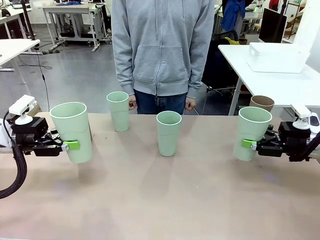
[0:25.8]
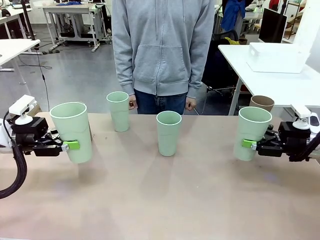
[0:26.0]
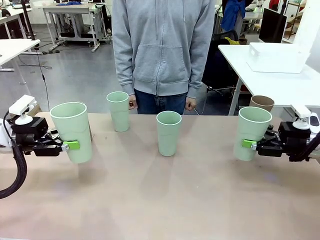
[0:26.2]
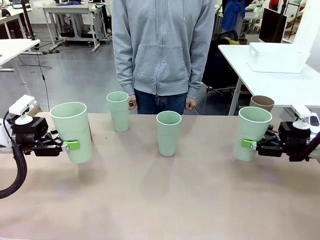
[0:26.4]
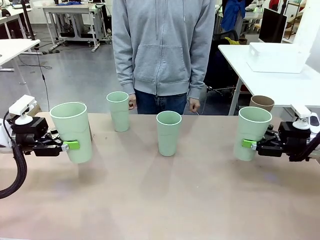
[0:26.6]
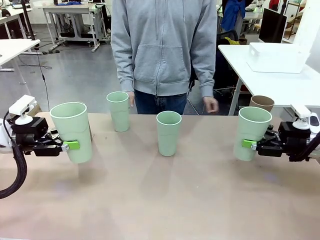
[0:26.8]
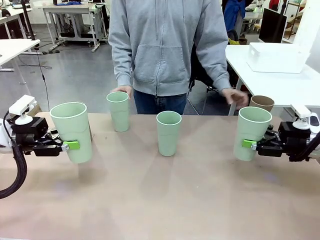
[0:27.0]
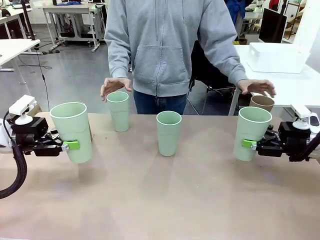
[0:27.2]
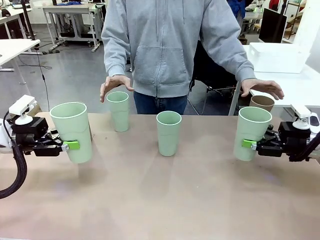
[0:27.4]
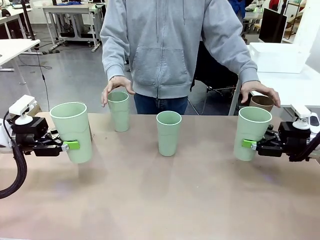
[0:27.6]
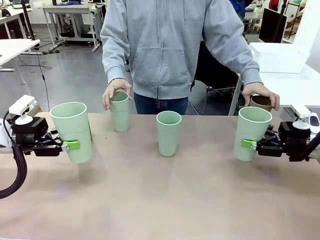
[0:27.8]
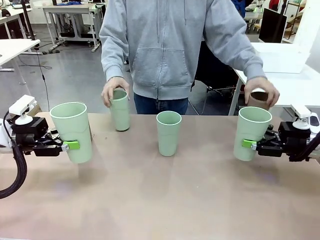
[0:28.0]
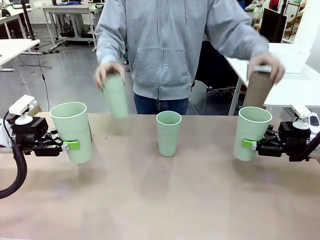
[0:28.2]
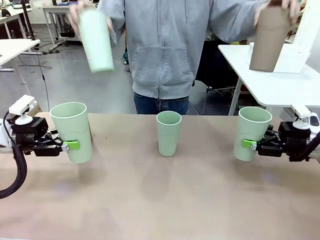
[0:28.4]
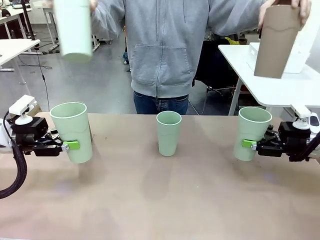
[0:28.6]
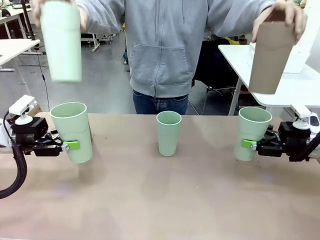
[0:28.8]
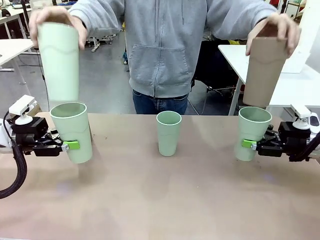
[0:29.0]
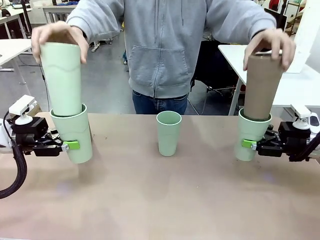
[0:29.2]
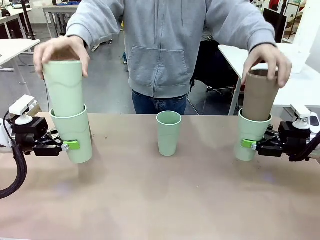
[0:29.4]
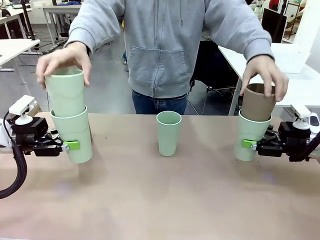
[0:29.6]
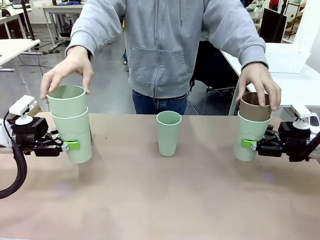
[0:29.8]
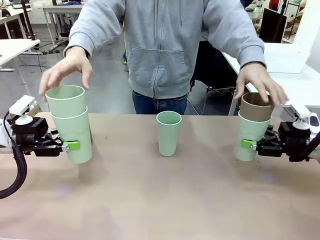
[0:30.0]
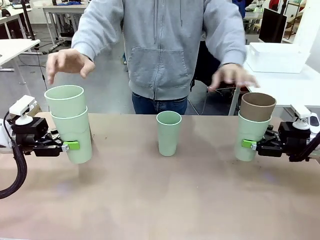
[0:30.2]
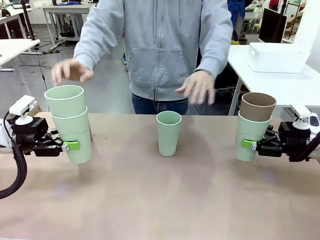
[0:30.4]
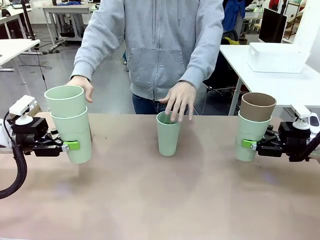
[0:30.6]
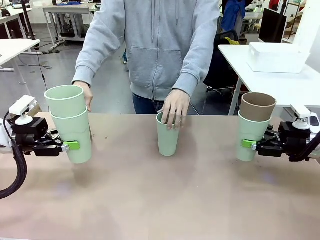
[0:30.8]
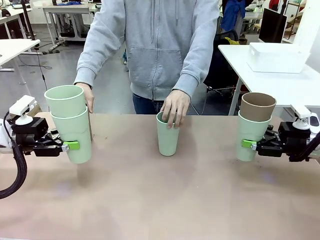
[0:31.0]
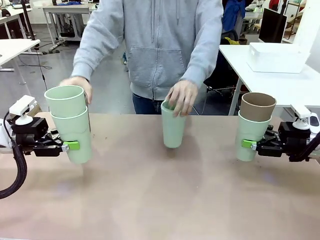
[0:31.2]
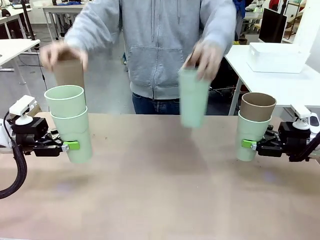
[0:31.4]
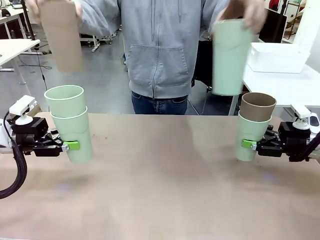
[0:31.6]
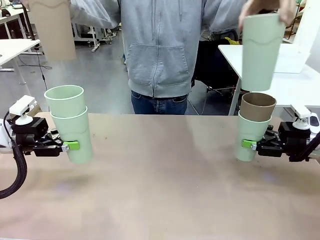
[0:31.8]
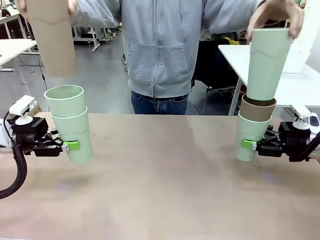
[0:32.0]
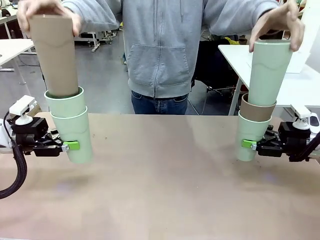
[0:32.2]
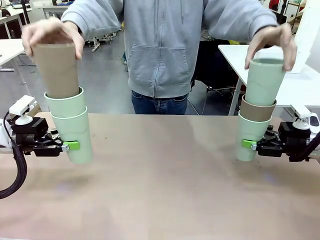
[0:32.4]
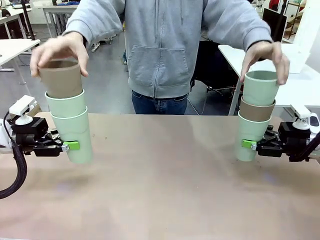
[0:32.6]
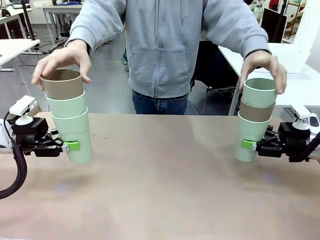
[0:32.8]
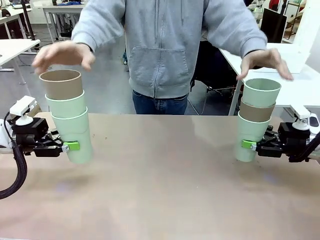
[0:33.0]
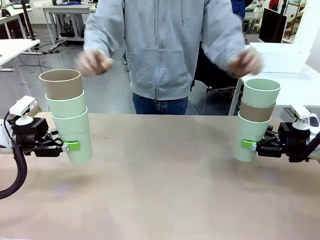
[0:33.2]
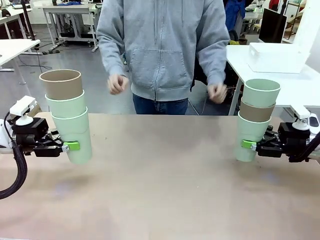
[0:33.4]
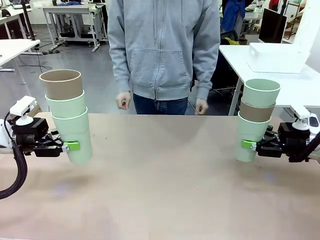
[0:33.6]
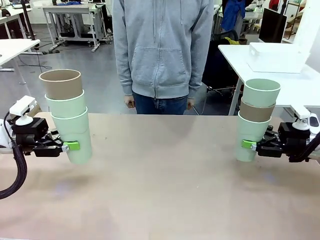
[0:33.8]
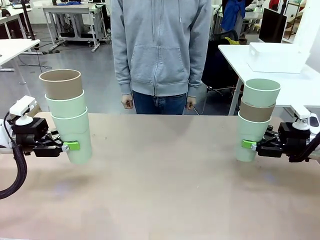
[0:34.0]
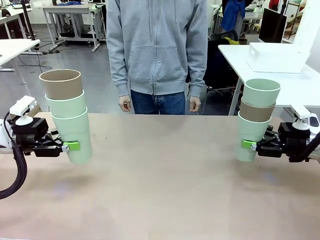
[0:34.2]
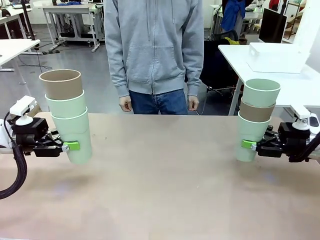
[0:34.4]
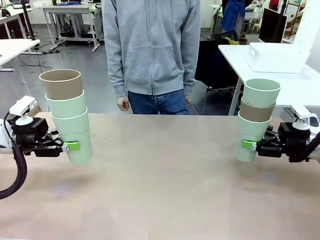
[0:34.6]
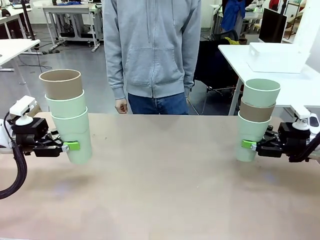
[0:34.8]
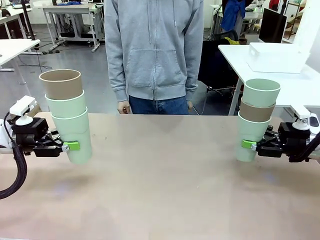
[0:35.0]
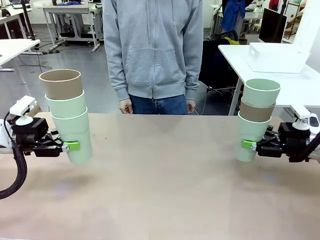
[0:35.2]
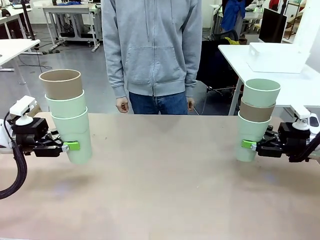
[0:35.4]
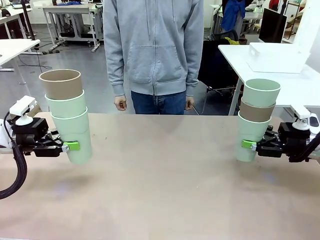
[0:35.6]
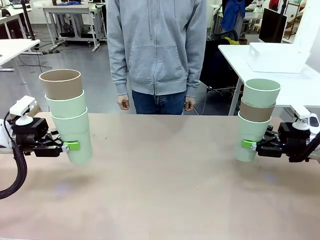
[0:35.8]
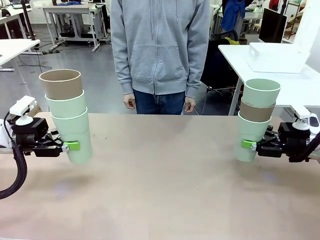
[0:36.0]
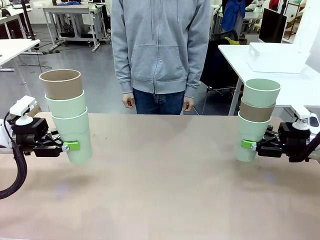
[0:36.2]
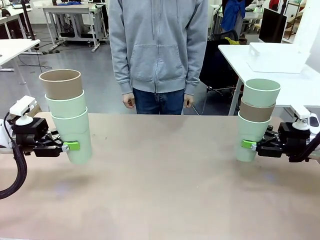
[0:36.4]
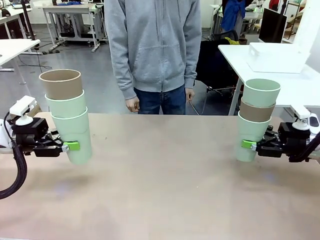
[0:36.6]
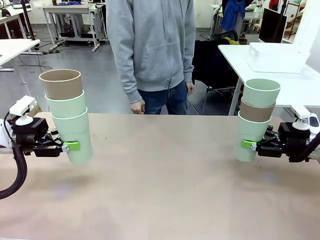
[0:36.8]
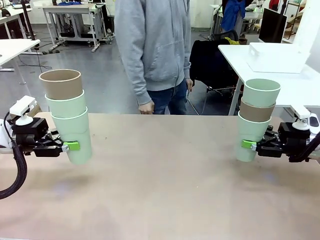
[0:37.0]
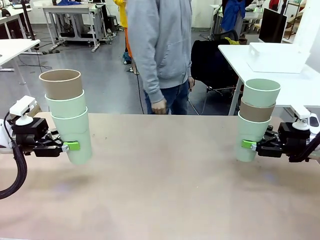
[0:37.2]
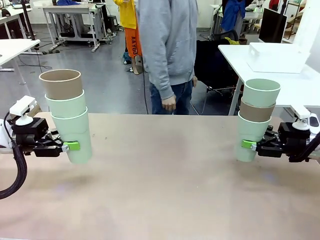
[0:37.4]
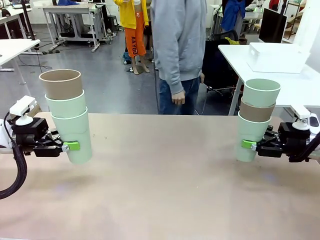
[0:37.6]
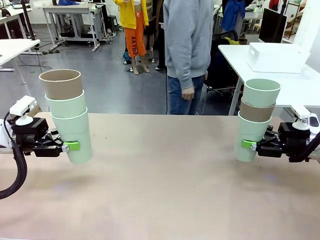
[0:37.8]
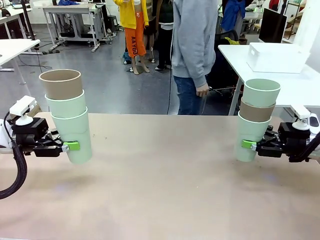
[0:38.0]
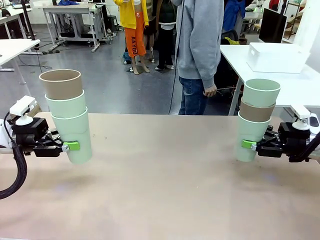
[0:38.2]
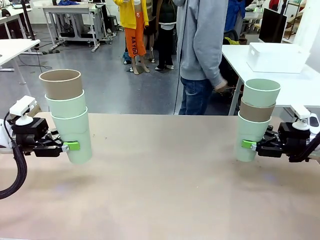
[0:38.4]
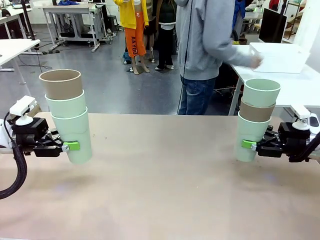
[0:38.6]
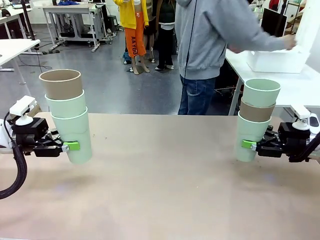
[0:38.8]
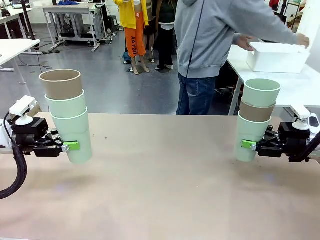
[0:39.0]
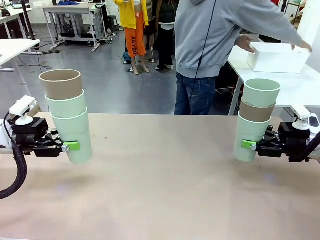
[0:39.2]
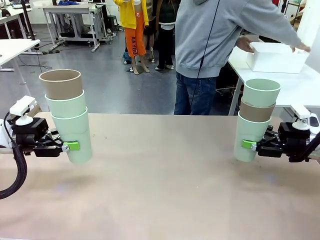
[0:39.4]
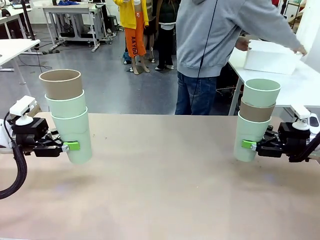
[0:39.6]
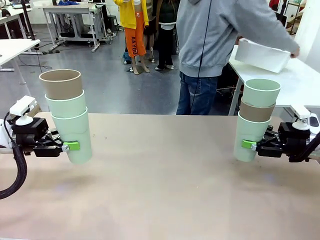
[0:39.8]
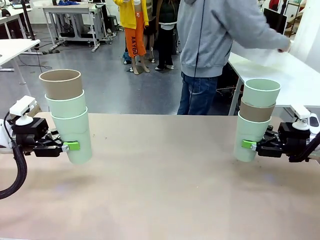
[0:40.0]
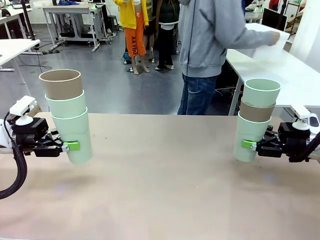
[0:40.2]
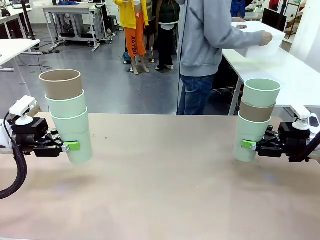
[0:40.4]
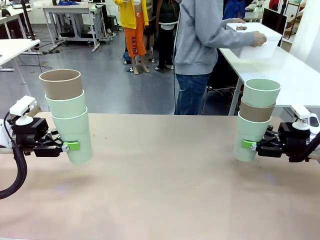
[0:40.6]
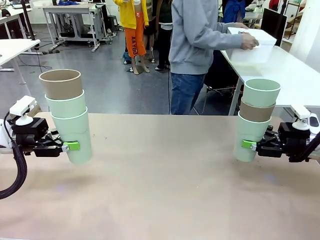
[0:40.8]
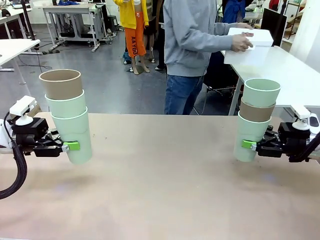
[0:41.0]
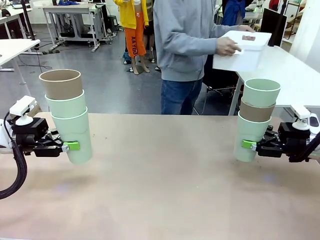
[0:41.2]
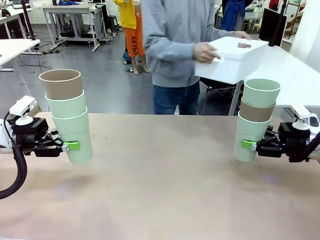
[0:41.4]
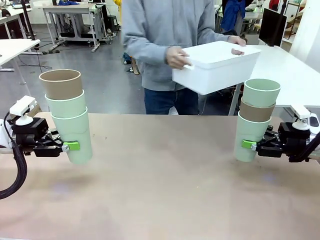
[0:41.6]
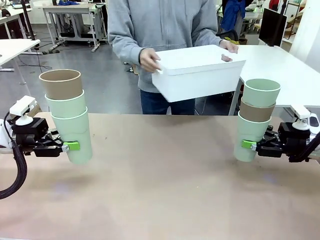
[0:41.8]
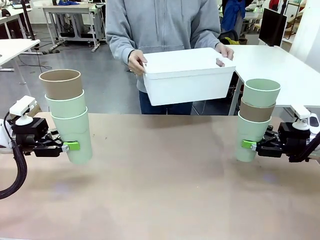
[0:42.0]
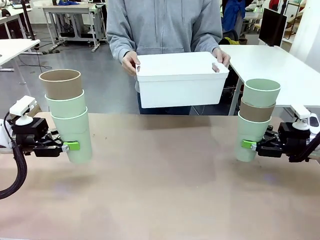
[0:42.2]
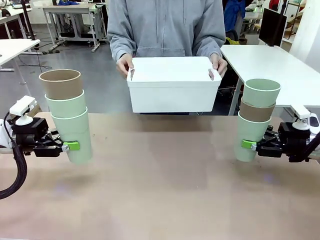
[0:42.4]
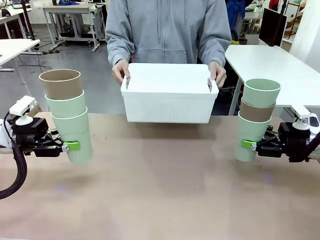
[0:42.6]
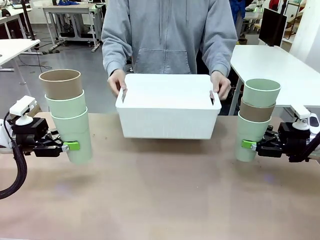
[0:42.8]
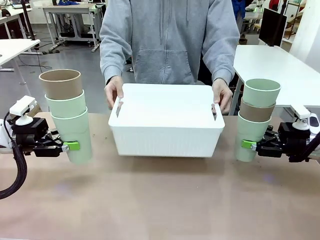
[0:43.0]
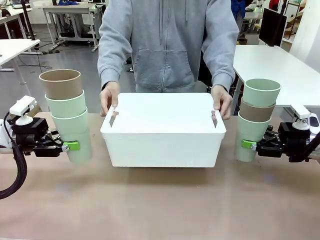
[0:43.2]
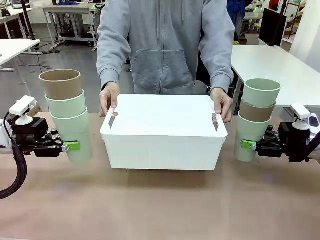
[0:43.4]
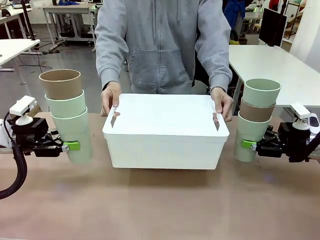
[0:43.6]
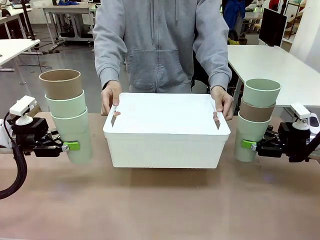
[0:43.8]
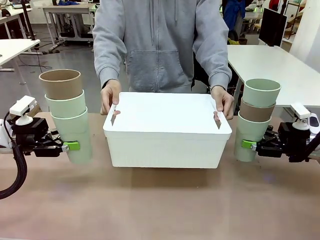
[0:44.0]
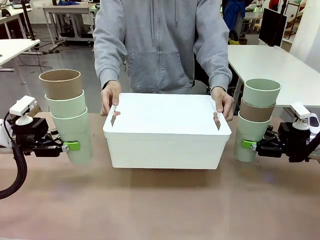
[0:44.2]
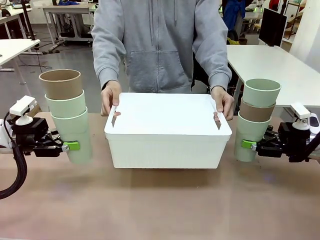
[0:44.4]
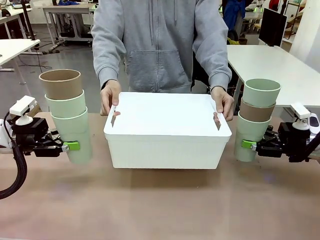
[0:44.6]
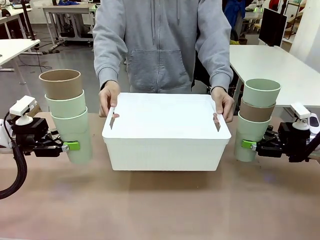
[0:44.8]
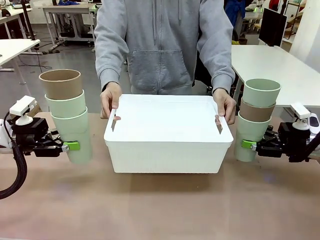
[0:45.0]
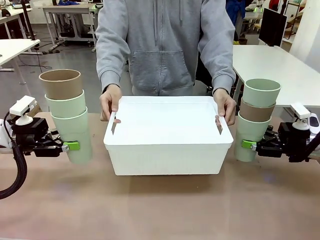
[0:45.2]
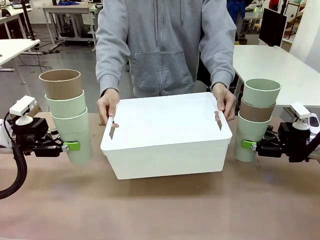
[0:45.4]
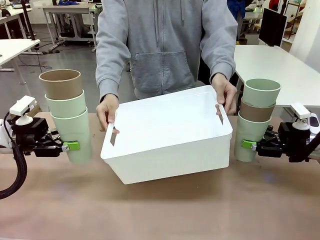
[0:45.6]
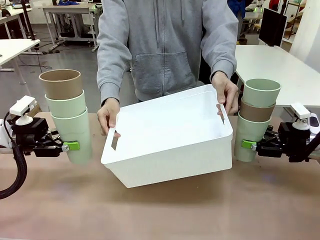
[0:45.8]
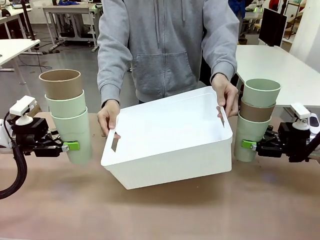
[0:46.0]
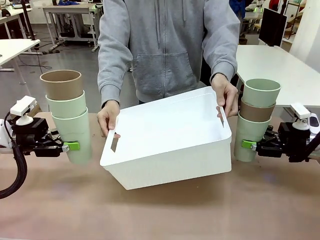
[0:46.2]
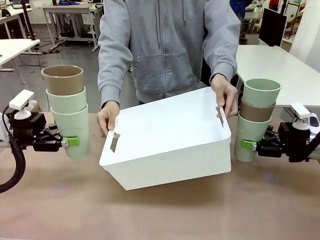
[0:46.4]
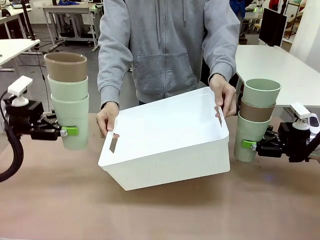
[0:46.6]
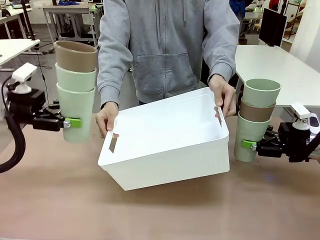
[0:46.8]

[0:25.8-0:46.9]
Task: Stack the cups and store them in the basket.
Robot: Place the stack of Reusable plastic cups into the Pantry Basket.
Person: Pick up the basket from the Human Table, bring it to the front of the robot, and present it.
